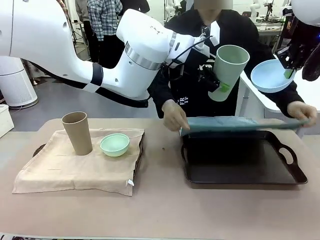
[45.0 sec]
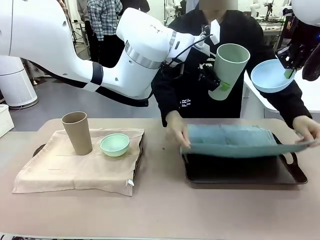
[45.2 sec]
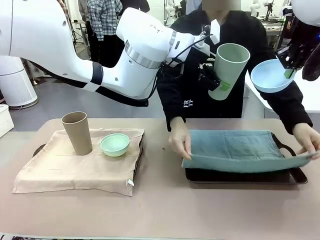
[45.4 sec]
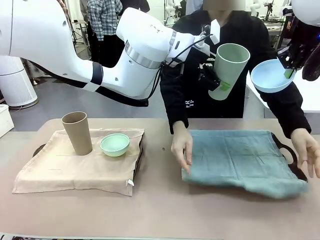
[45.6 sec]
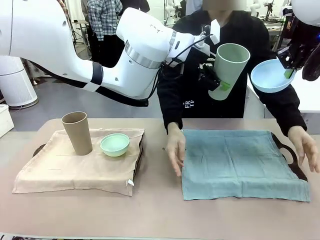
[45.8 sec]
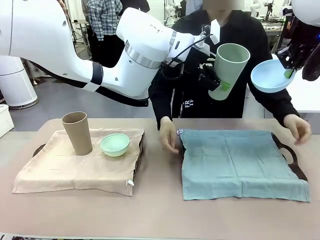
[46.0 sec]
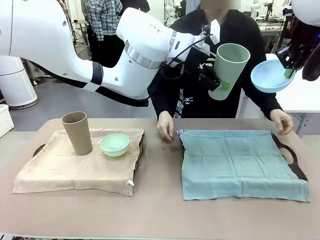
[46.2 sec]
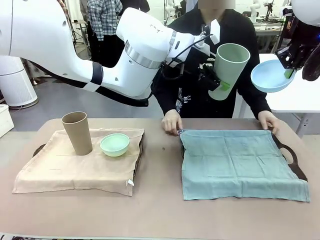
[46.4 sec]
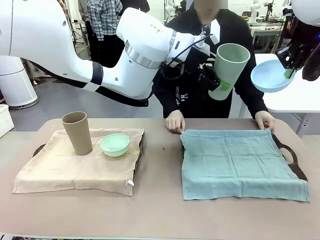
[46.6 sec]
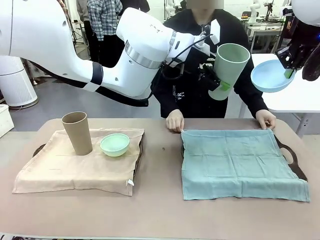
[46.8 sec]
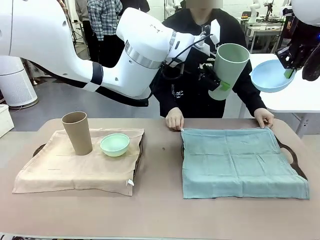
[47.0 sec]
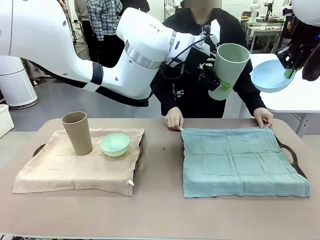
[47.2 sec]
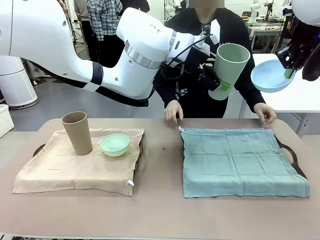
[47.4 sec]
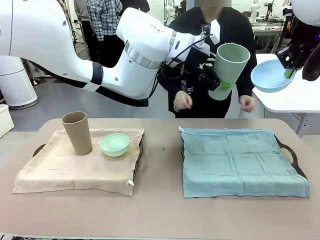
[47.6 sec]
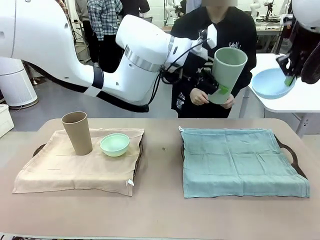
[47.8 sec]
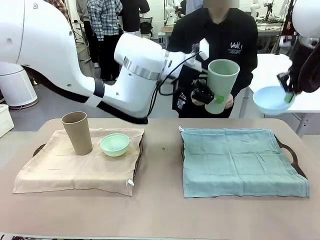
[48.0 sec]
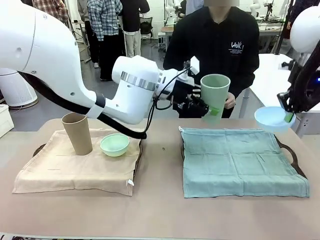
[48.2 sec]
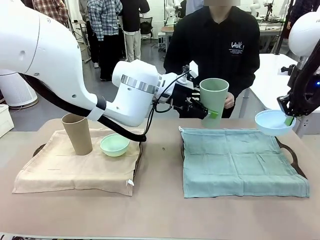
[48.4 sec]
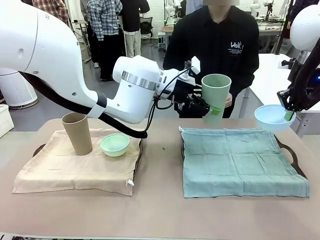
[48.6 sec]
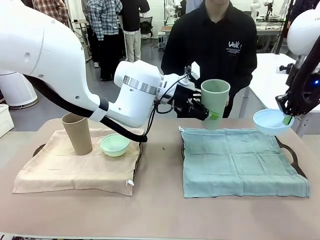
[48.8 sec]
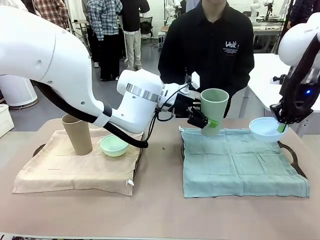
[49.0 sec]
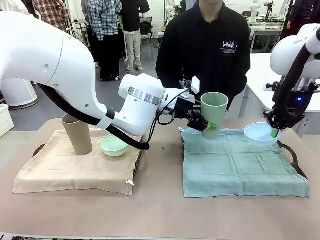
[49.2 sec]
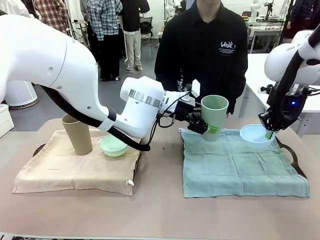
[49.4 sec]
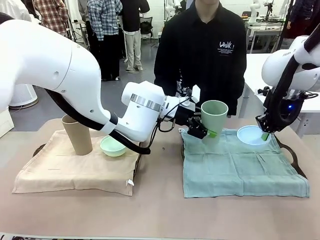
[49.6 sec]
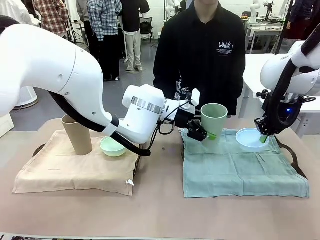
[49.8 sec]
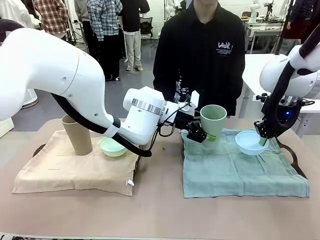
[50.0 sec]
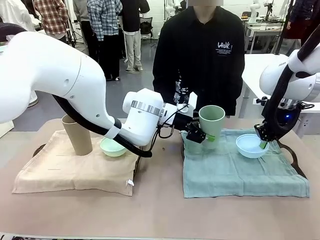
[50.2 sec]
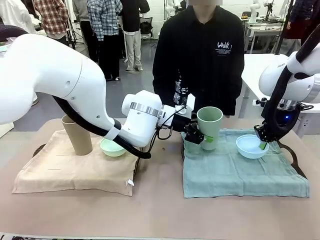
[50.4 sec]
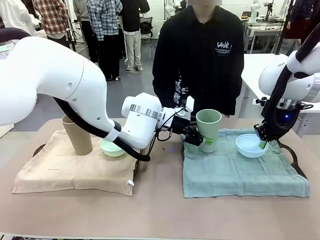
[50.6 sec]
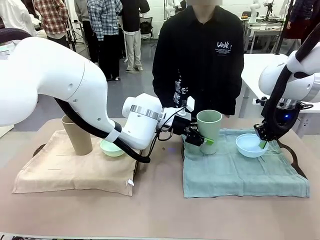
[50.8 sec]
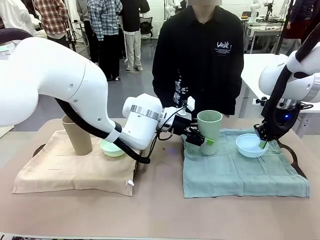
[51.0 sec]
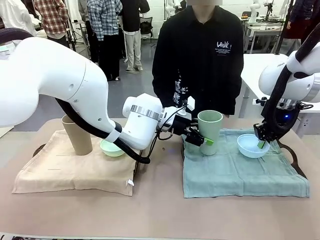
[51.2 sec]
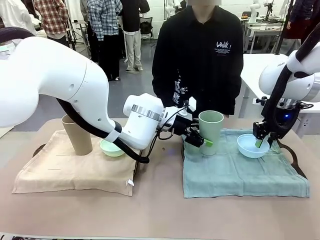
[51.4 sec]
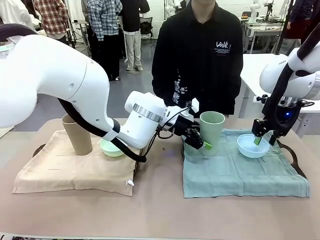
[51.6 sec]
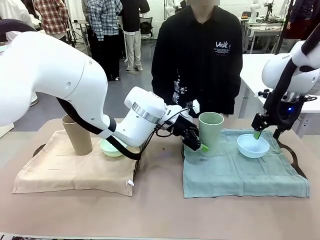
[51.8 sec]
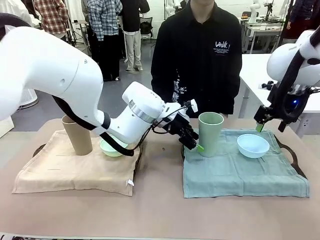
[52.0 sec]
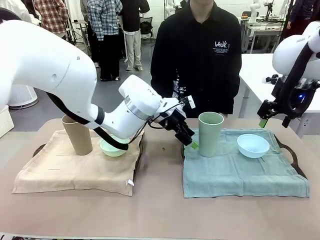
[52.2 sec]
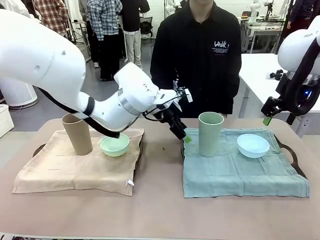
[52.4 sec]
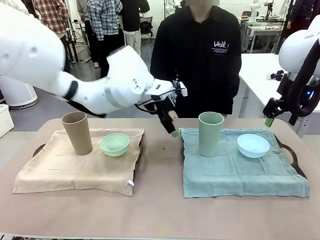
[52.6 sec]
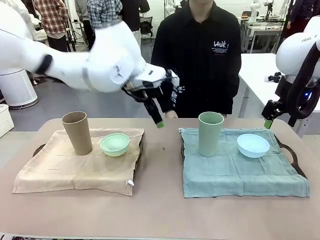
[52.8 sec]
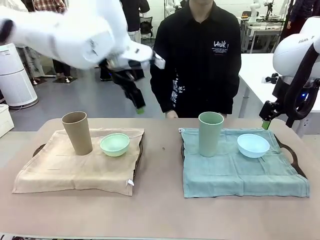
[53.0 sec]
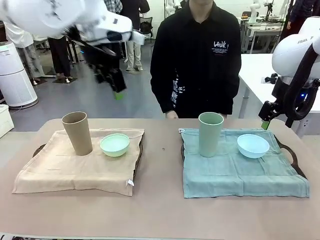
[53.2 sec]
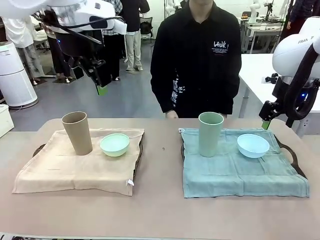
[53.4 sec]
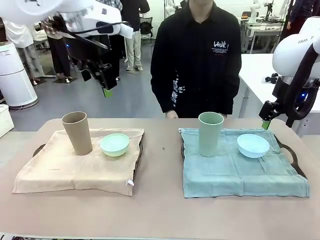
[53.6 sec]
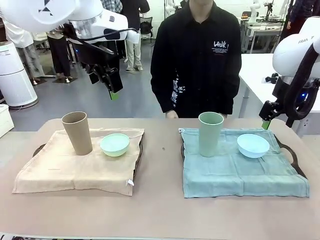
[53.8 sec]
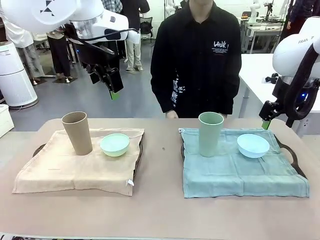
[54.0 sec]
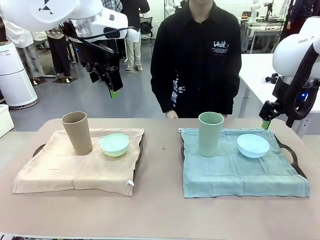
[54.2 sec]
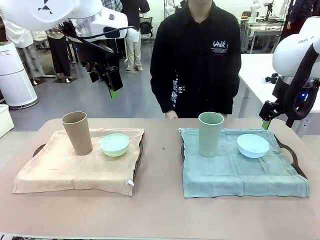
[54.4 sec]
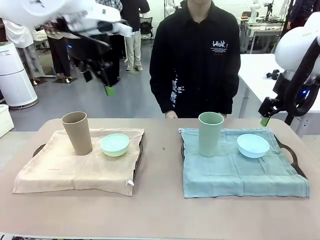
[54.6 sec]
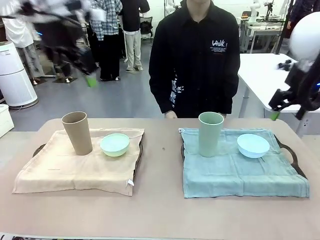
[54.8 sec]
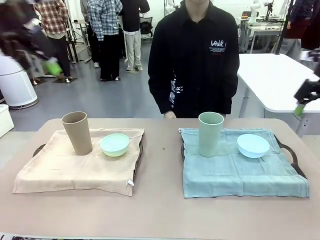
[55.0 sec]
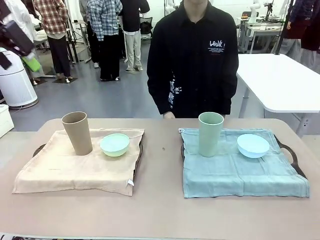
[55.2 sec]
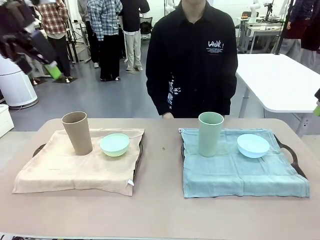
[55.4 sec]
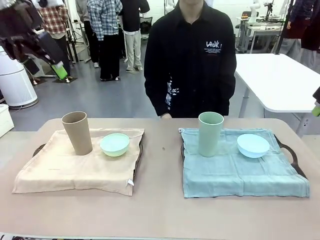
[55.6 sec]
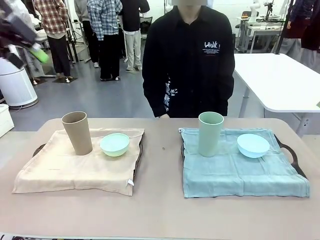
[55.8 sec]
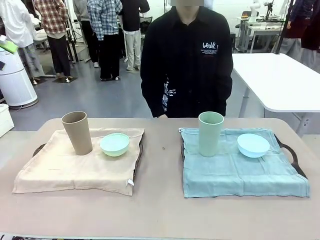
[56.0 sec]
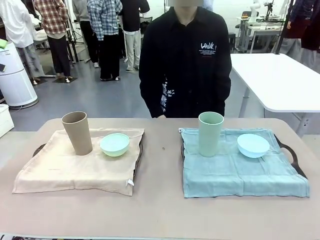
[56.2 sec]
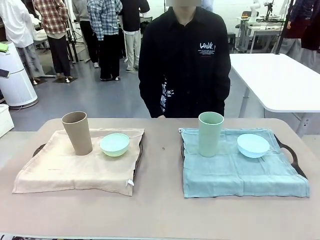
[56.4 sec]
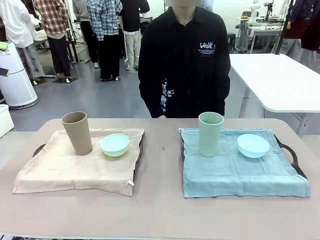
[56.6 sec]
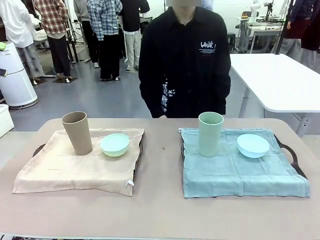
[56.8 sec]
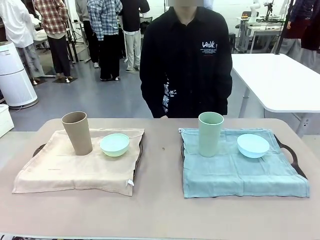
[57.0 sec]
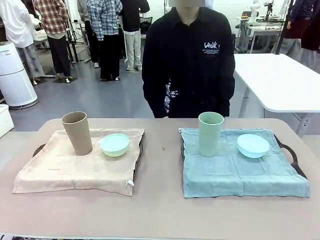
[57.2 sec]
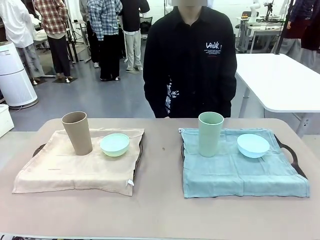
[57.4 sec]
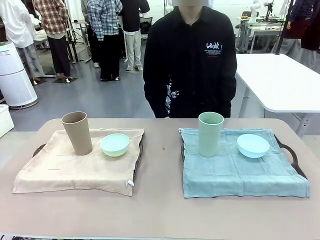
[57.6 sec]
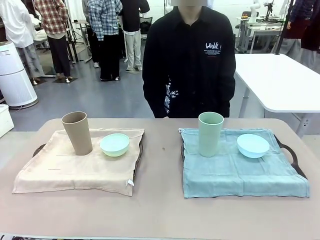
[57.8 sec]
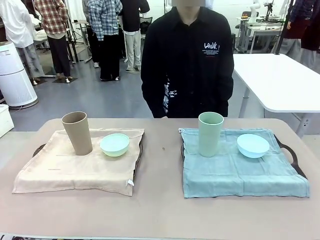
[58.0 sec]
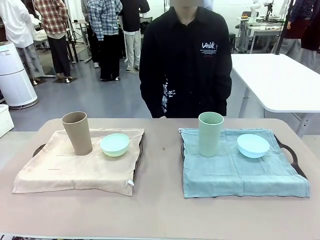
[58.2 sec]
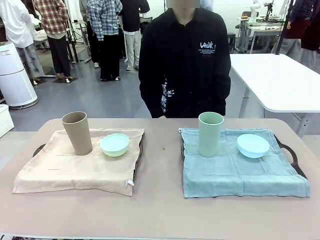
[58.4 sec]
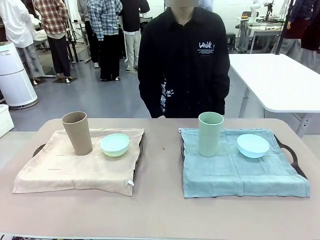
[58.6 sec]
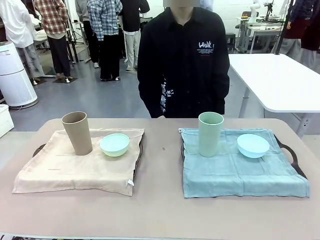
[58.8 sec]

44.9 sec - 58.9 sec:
Robot: Place the Picnic Bowl and Reusable plastic cup back onto the Handle tray in front of the human's position.
Person: When the robot lifts the bowl and the cup, the human unfolds the napkin and lays the napkin flat on the tray.

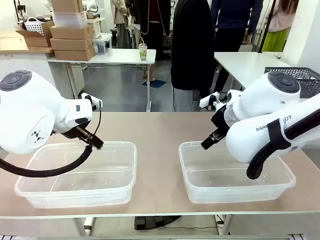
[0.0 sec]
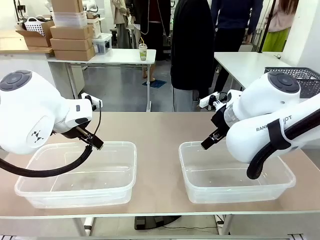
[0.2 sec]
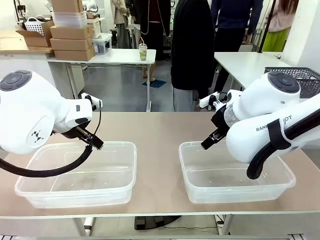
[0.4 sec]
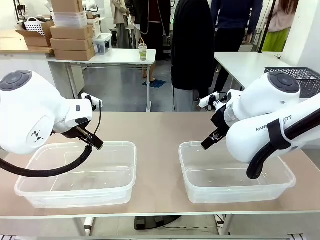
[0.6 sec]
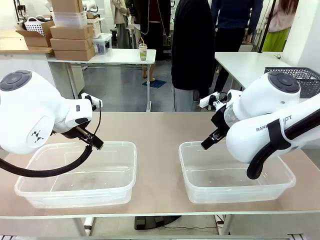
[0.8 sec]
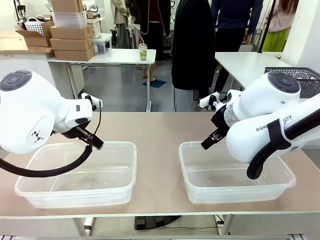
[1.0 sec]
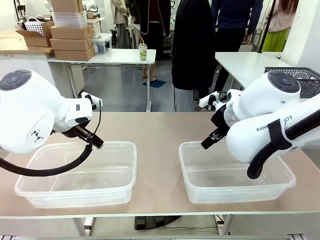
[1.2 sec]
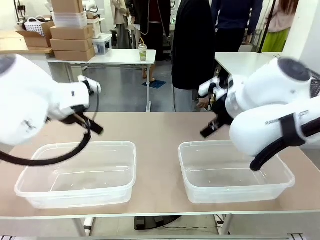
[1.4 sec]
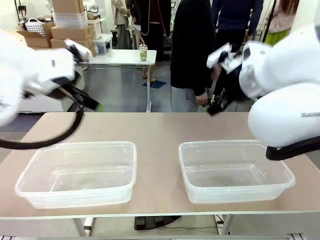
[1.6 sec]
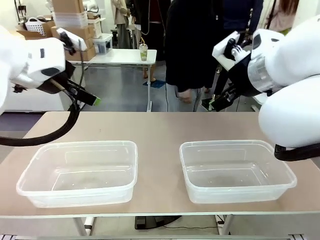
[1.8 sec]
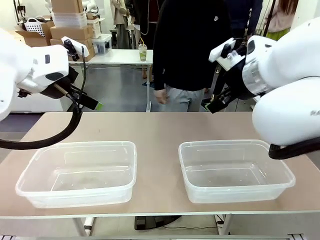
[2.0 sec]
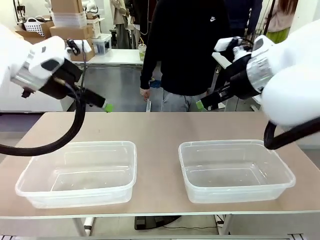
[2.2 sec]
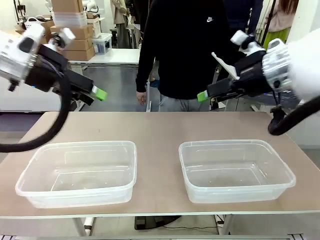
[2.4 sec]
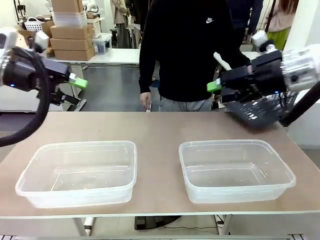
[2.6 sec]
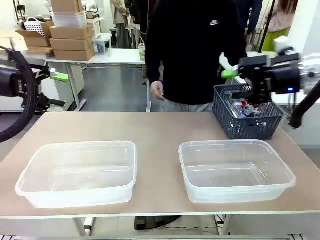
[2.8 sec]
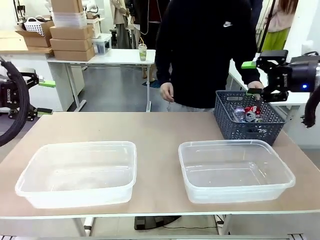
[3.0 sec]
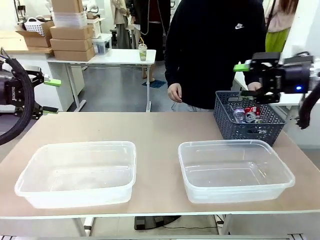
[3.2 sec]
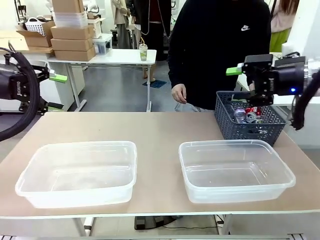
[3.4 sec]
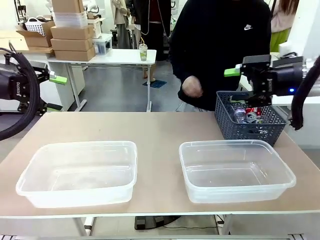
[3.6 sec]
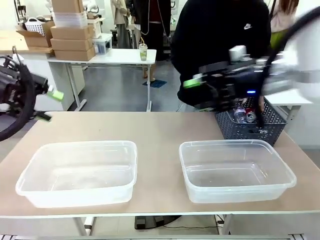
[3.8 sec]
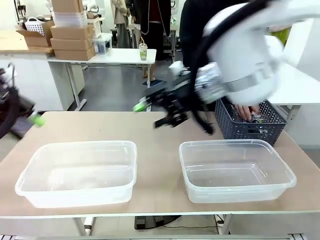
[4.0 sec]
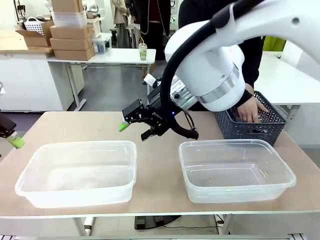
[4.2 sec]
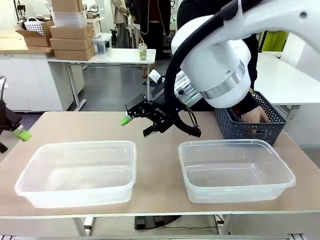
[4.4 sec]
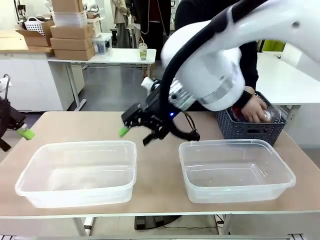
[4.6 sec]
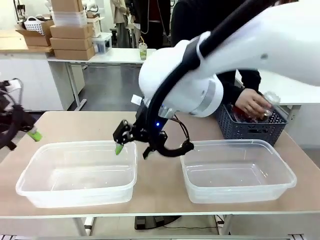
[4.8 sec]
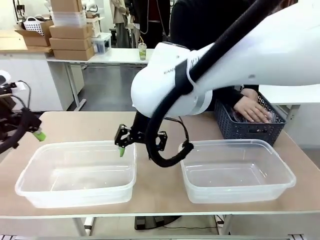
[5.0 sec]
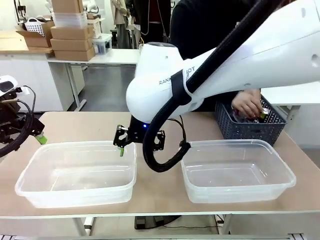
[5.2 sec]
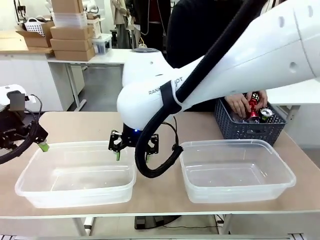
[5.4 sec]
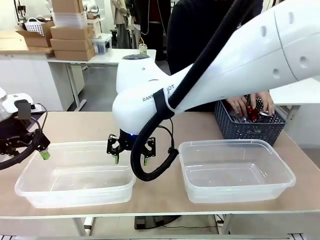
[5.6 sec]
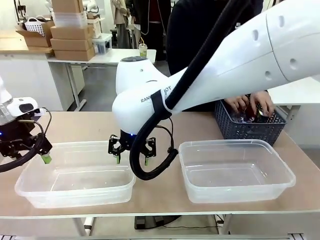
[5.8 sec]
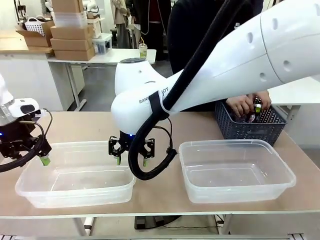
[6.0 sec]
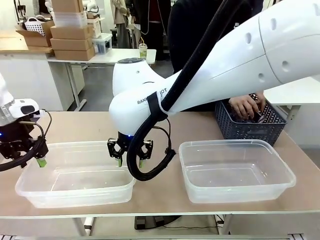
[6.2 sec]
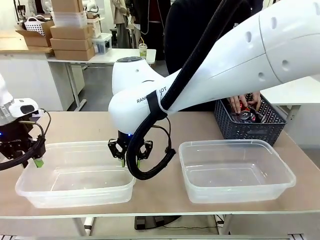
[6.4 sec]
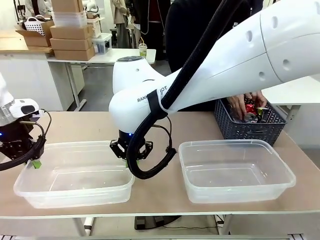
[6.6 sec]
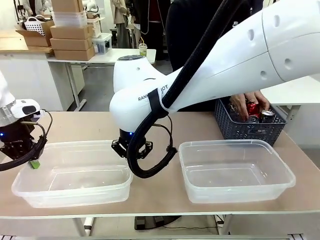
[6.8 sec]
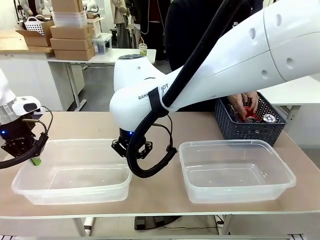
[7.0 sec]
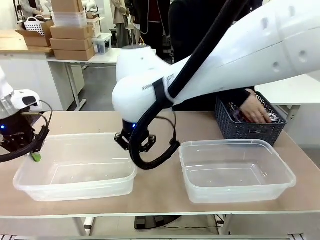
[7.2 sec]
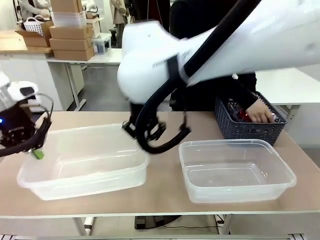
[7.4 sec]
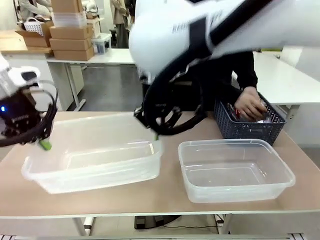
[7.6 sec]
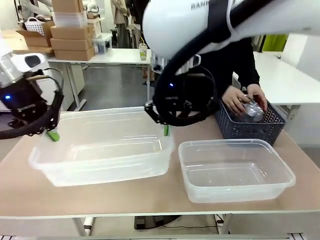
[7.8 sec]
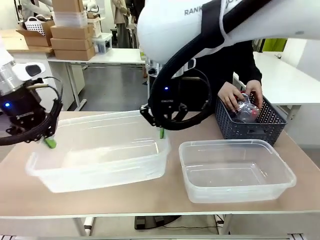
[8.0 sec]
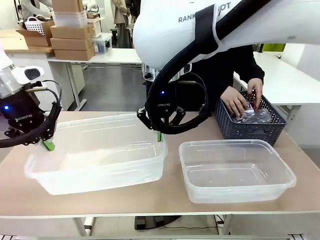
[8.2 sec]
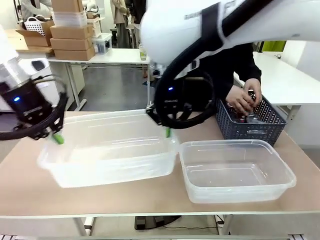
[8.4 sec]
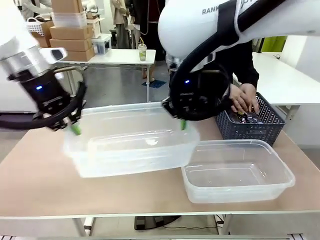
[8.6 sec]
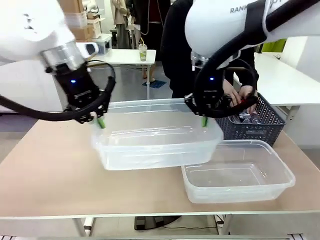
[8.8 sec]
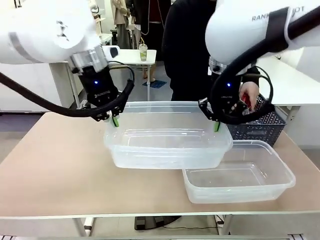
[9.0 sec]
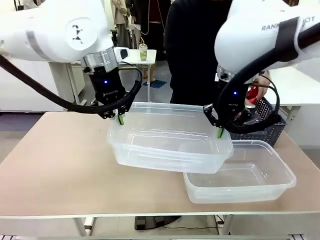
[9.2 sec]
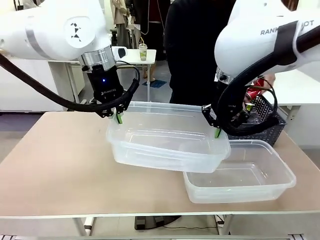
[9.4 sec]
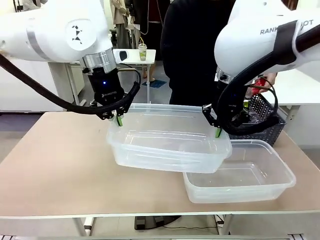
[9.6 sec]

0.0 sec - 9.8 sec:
Robot: Pick up the Organizing box on the left side of the table and lift it.
Person: Pick up the storage basket and place it on the left side of the robot table. Pick up can-shaped waste one by one and place it into the organizing box lifted by the robot.
